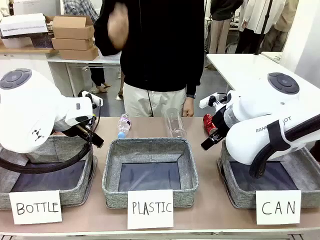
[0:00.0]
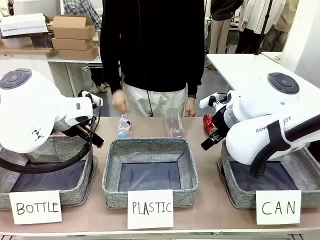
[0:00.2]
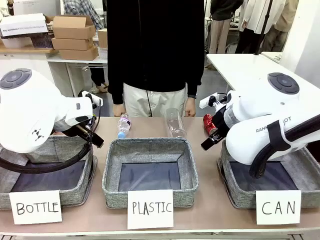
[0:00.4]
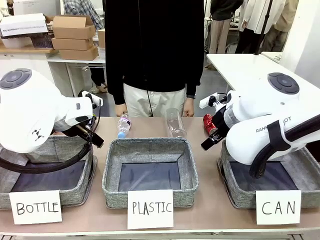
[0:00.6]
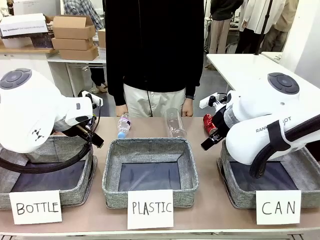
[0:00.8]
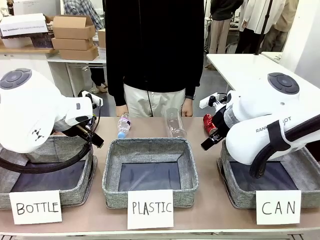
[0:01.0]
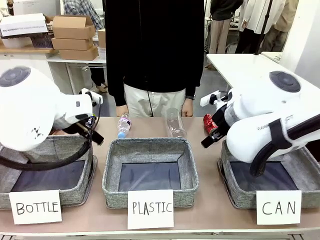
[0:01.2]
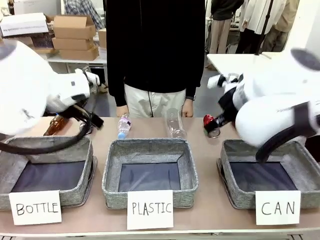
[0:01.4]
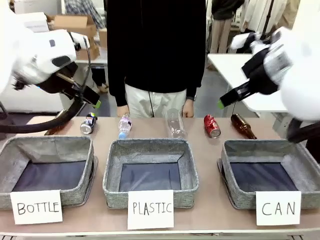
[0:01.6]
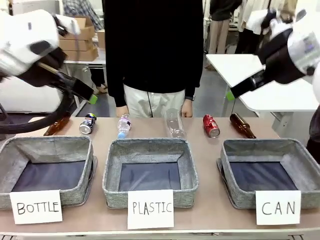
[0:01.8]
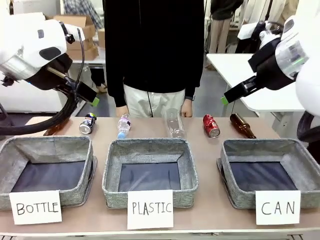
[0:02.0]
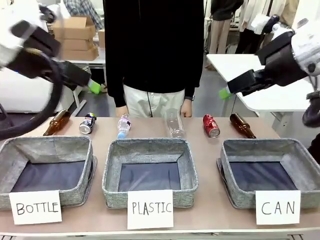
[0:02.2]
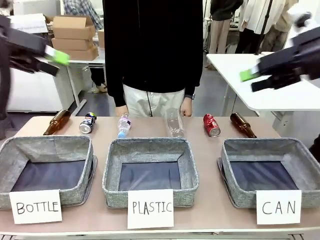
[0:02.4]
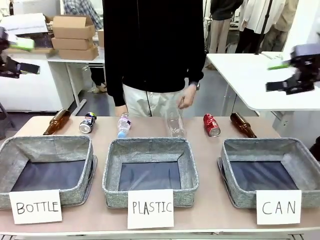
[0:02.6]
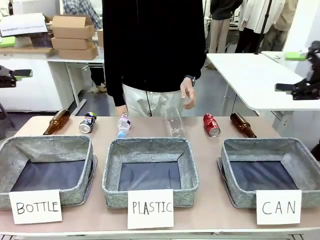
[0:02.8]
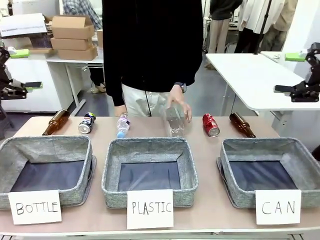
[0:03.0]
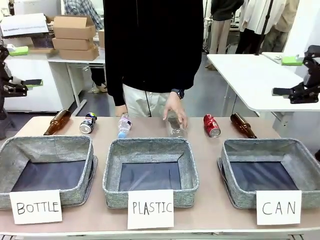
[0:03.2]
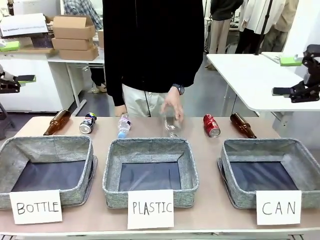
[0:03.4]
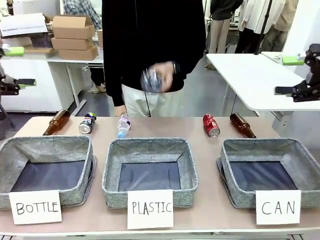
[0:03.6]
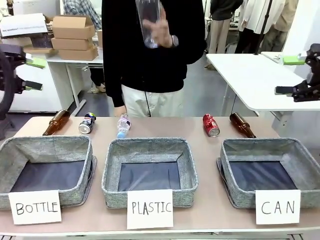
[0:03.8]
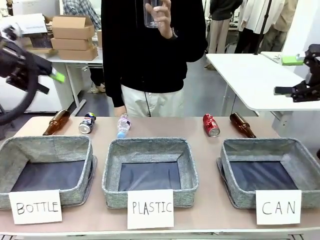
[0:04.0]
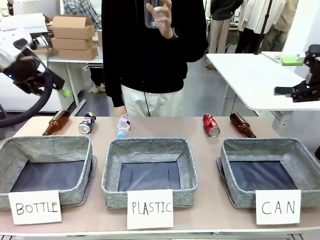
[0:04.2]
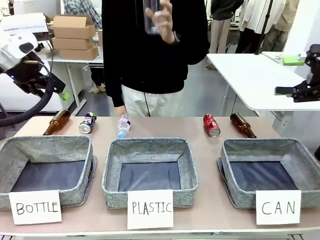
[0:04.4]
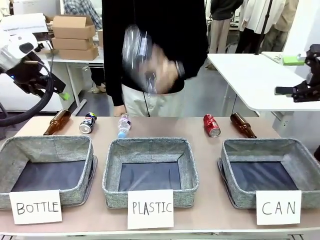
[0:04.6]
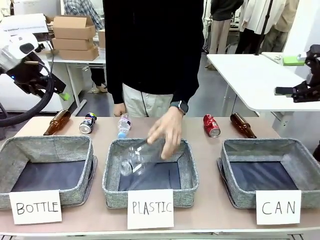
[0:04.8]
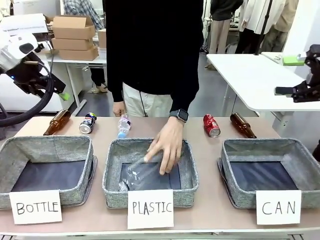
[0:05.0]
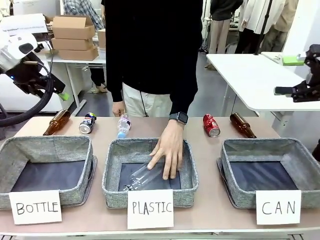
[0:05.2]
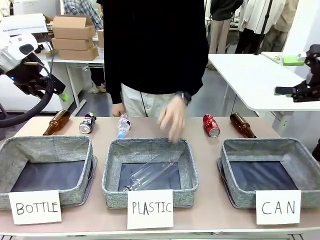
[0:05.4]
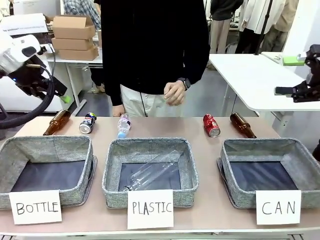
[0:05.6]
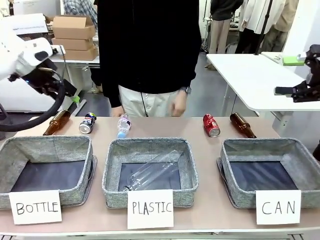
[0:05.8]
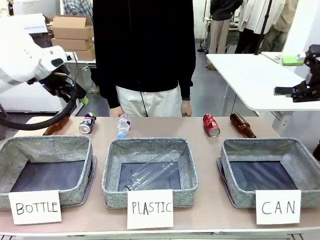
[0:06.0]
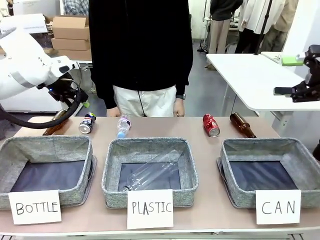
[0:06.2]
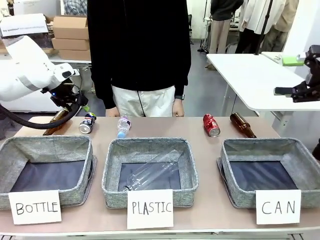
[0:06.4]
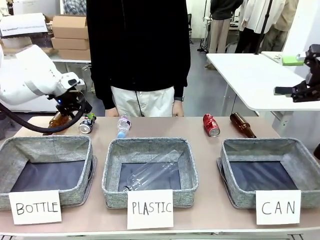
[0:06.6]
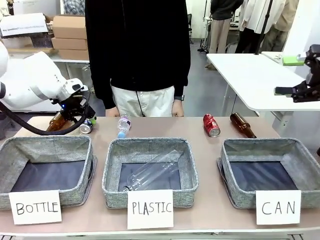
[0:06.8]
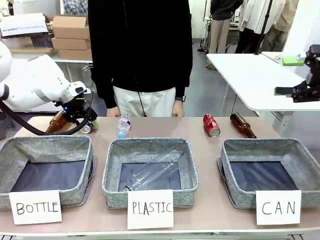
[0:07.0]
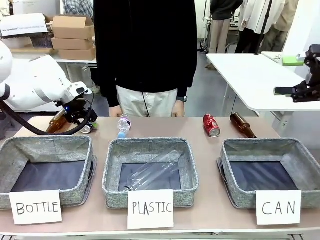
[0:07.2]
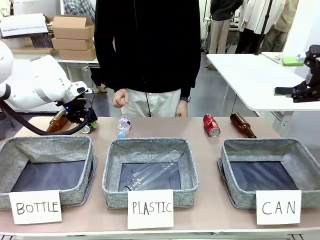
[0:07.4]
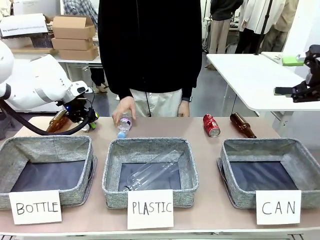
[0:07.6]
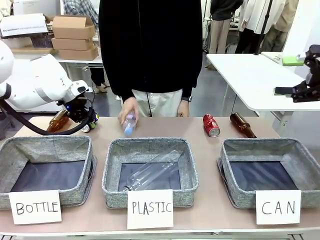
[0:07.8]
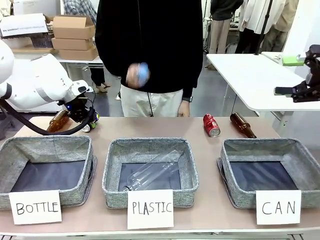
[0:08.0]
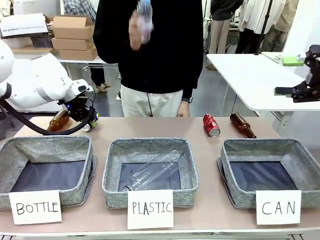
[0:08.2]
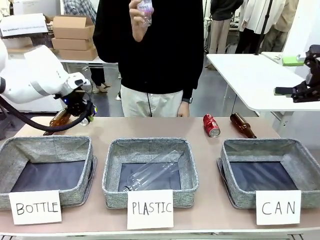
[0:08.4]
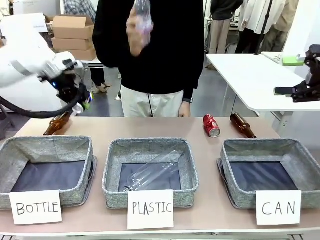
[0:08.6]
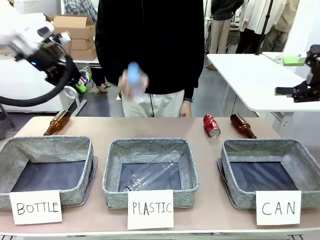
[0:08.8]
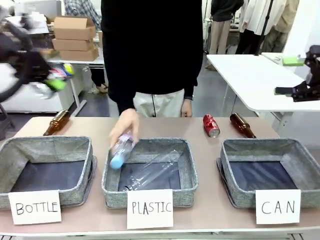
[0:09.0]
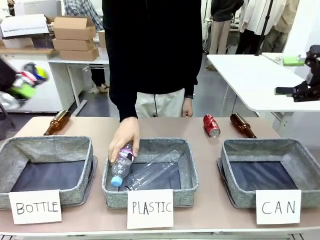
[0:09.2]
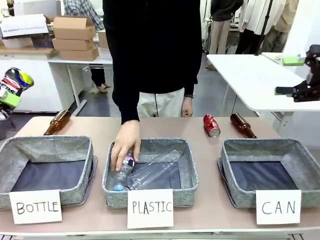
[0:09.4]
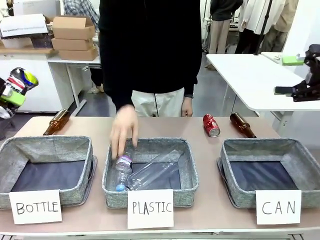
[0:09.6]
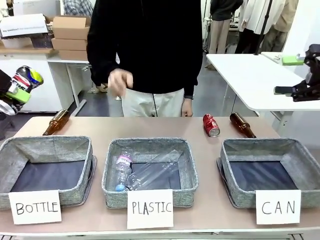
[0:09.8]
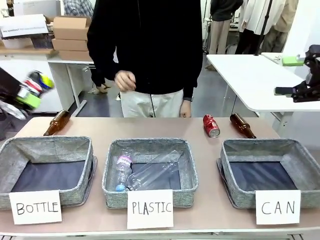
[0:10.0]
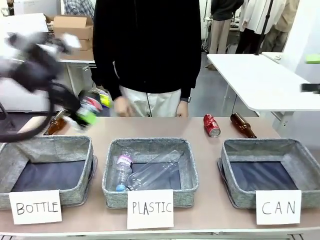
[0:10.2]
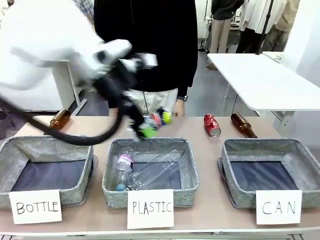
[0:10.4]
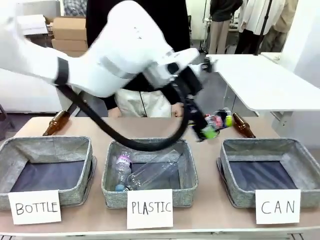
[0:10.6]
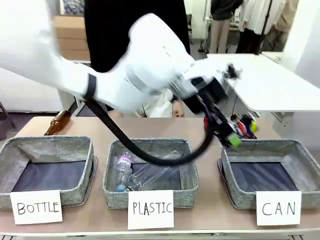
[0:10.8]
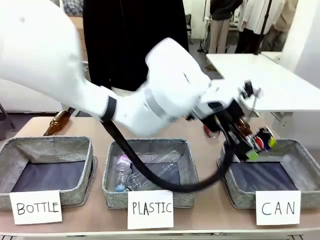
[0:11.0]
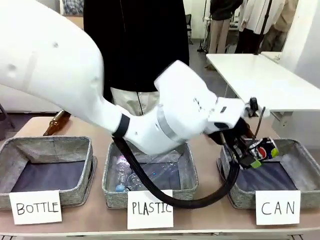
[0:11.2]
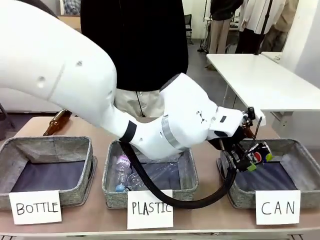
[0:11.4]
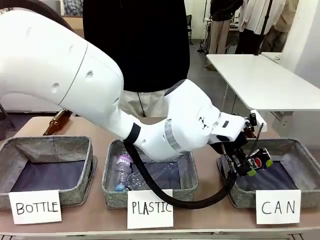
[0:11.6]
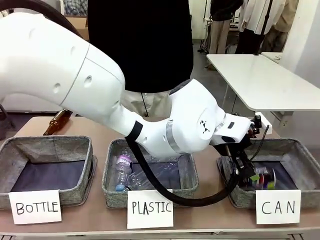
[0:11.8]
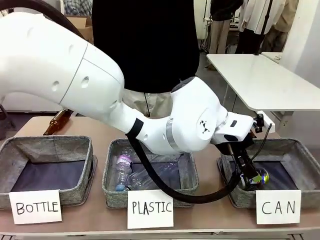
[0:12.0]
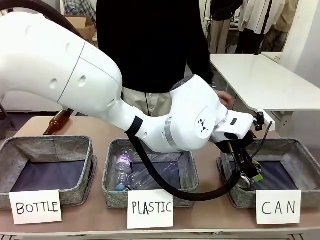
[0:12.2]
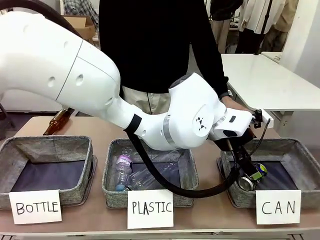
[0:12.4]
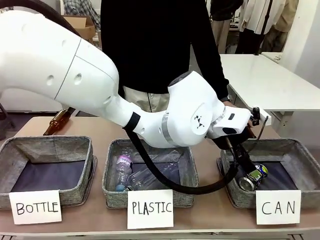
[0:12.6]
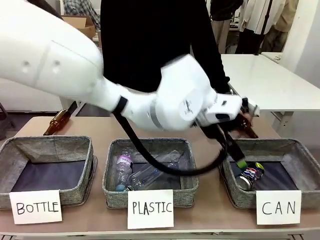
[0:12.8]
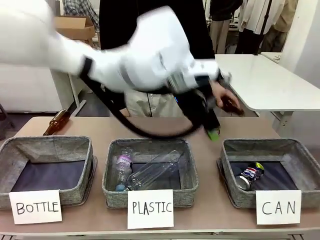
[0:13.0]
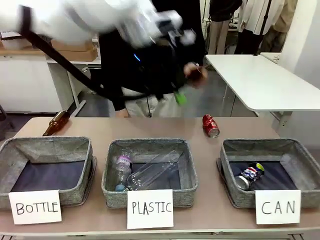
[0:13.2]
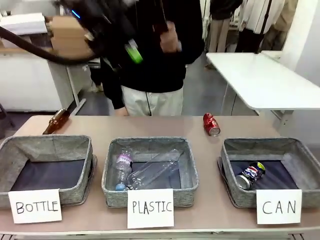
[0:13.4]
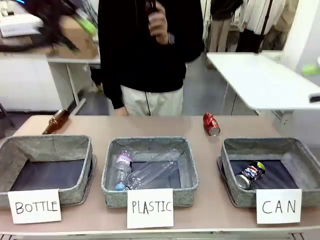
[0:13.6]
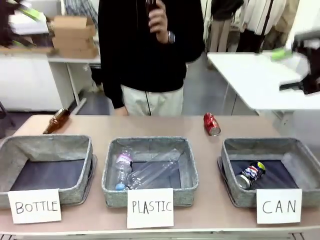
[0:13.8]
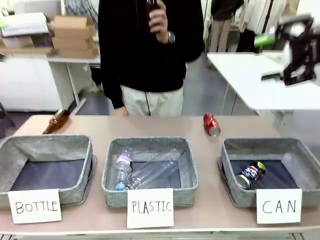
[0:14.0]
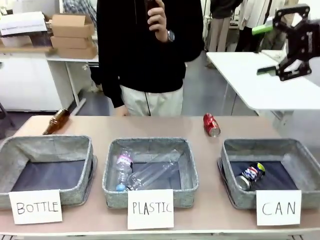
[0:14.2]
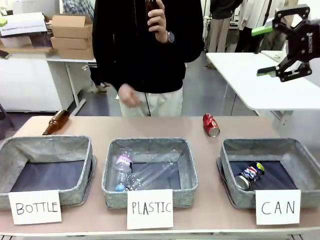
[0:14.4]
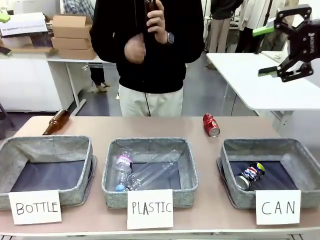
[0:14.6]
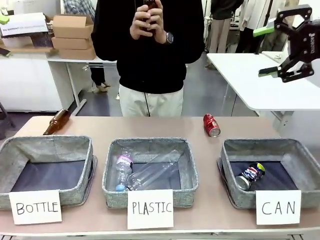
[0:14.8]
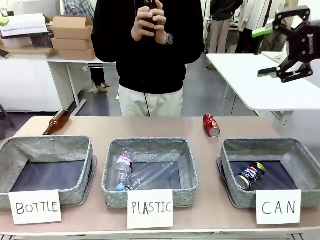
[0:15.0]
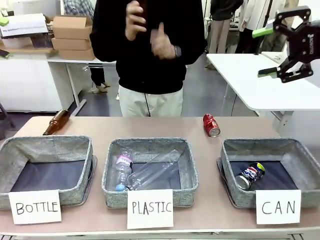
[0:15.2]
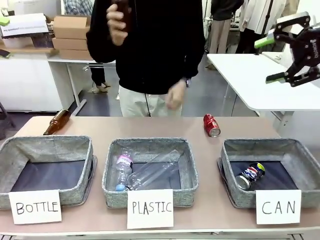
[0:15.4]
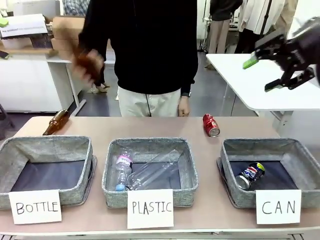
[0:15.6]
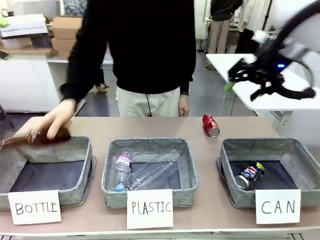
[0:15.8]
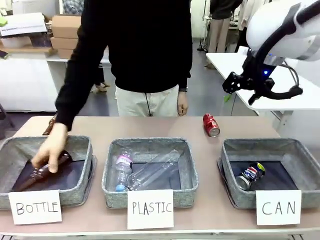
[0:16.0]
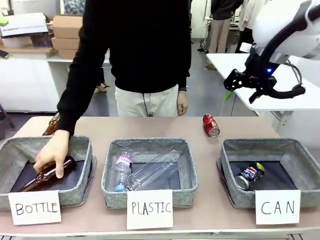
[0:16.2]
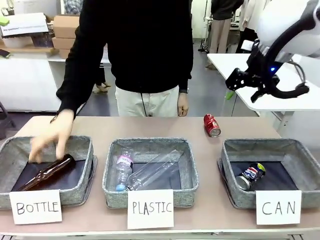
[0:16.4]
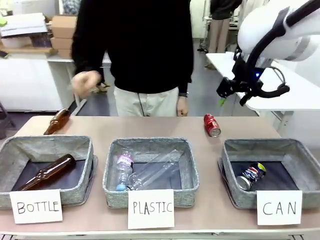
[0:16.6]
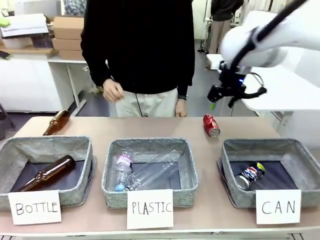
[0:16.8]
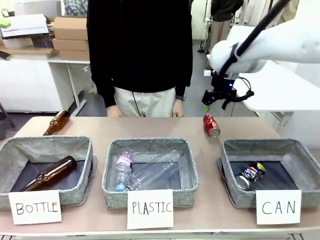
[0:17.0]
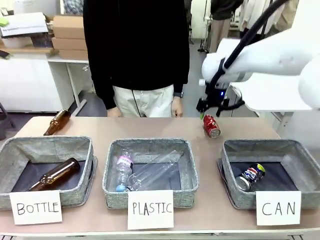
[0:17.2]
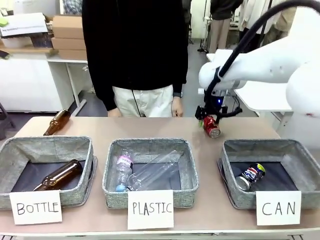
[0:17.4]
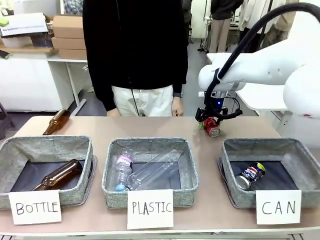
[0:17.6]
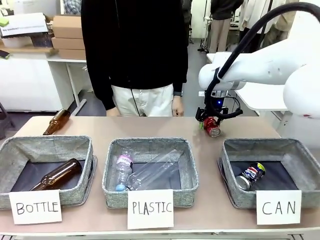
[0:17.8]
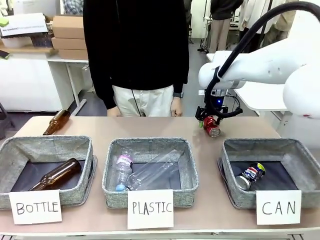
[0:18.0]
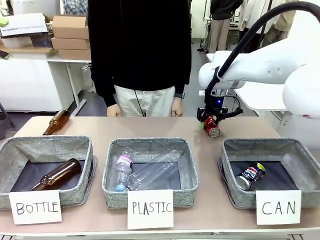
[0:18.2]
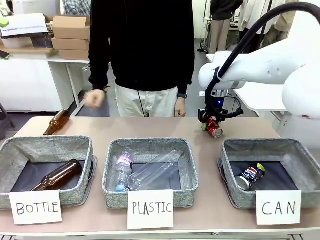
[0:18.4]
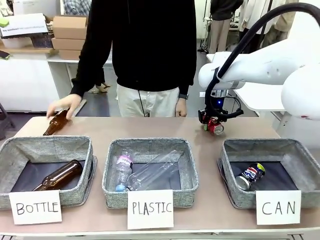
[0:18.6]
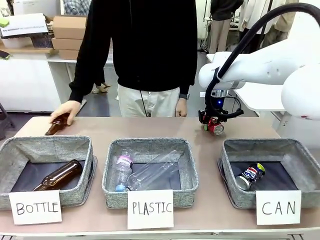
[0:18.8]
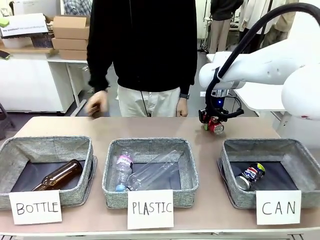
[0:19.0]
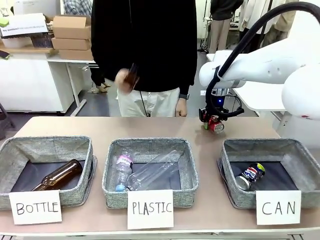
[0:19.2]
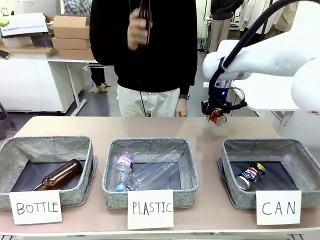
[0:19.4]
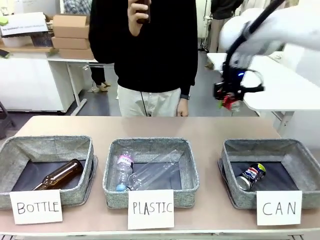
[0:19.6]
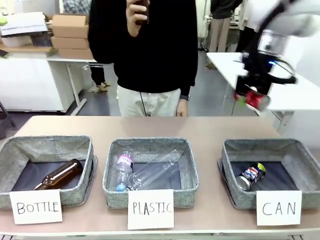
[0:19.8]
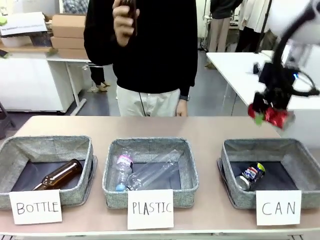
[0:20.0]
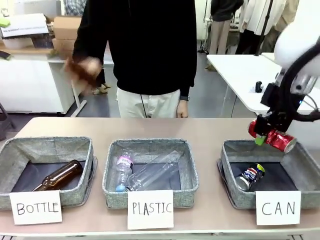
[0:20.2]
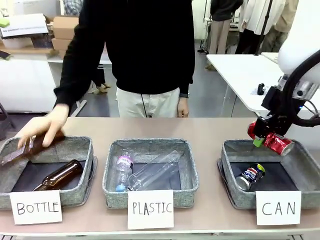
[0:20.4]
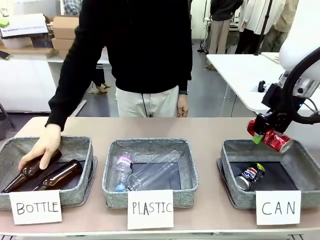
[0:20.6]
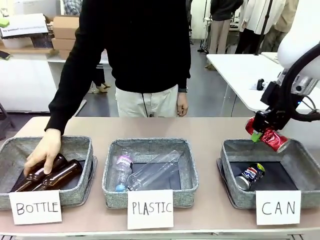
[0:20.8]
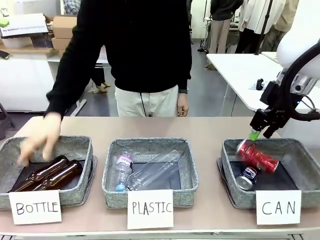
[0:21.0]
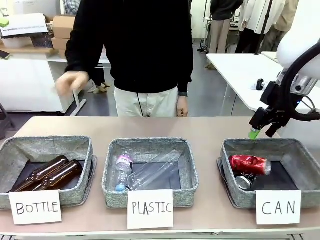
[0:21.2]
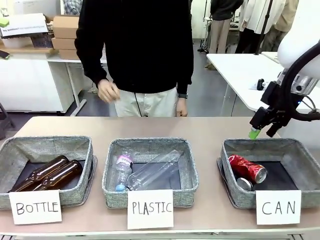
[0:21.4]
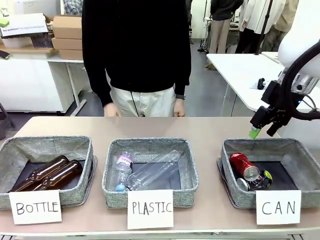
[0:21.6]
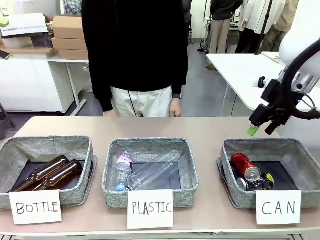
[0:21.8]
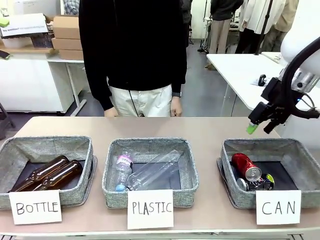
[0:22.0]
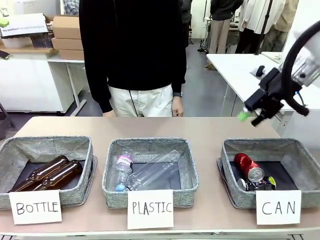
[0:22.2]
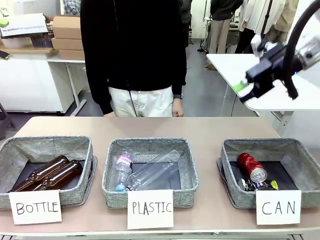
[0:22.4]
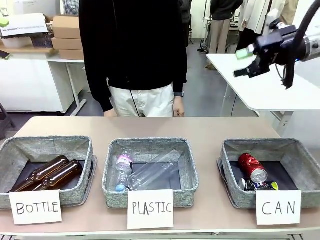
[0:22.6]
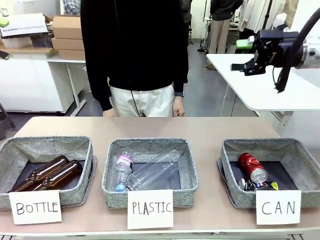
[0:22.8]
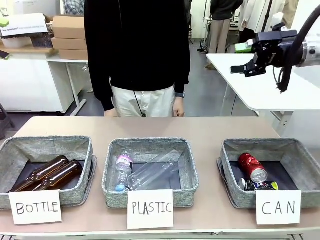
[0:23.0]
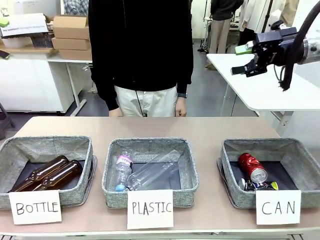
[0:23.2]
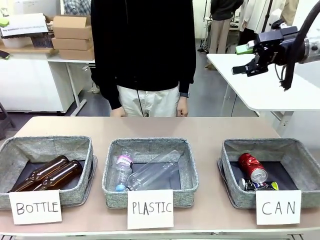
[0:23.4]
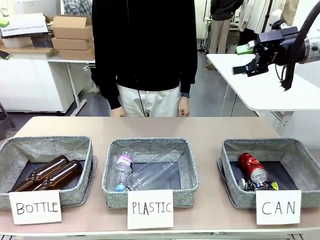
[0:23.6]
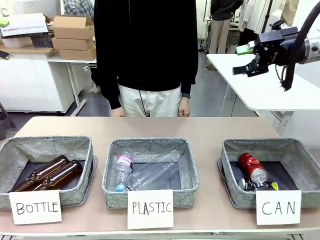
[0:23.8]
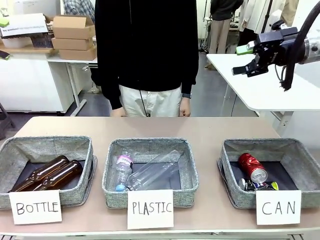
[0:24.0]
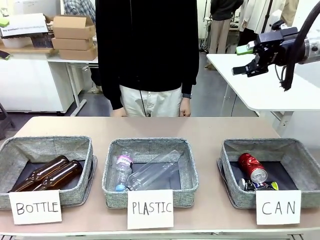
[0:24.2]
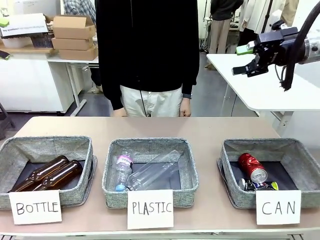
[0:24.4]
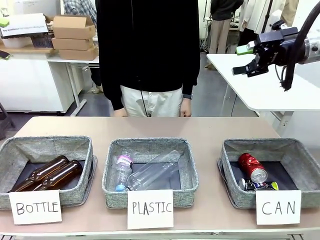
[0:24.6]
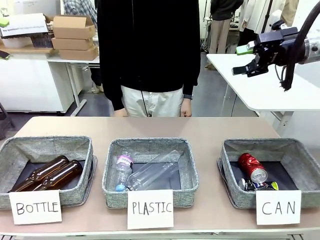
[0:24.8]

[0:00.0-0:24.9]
Task: Sort the can waste into the basket.
Robot: Pick up the can waste from the table and place it in the right Fabric basket.
Person: The human picks up one piece of trash that is not a can and places the trash into the appropriate organizing basket.
